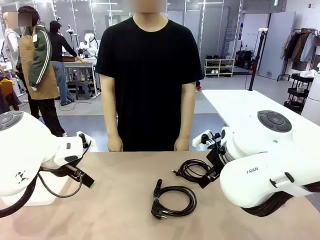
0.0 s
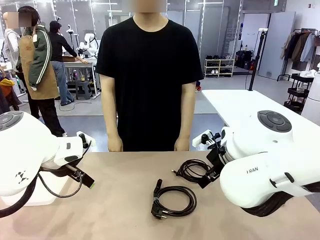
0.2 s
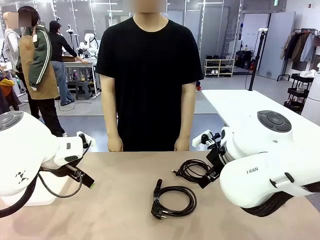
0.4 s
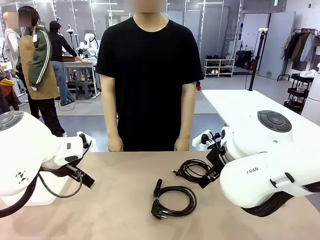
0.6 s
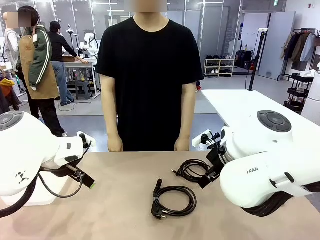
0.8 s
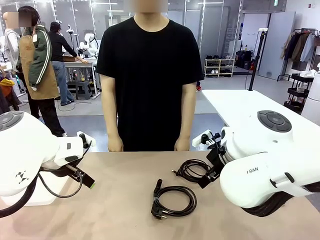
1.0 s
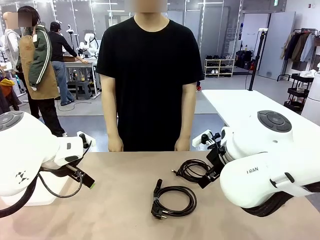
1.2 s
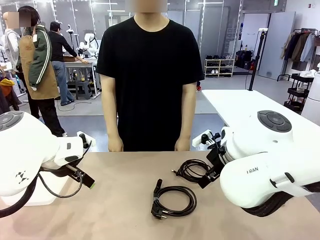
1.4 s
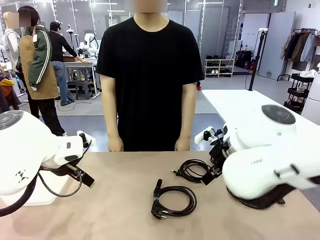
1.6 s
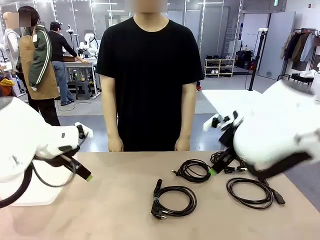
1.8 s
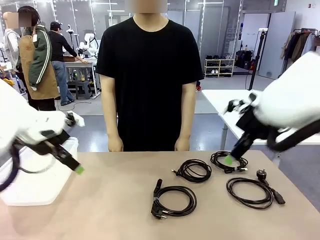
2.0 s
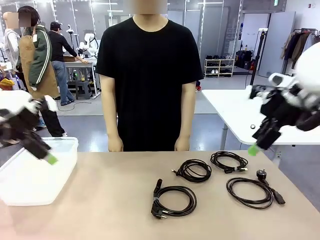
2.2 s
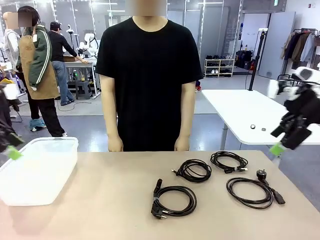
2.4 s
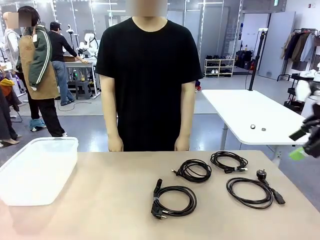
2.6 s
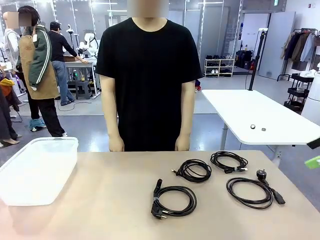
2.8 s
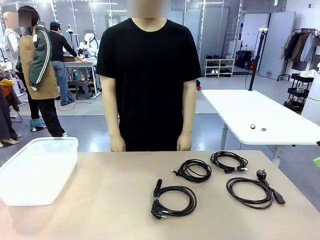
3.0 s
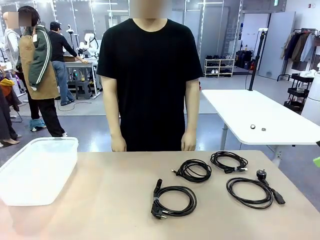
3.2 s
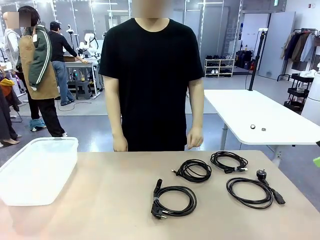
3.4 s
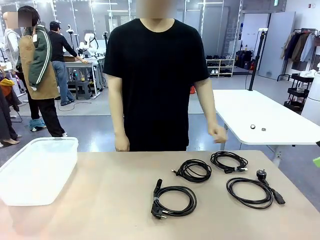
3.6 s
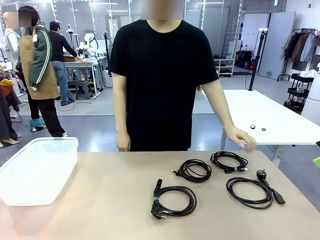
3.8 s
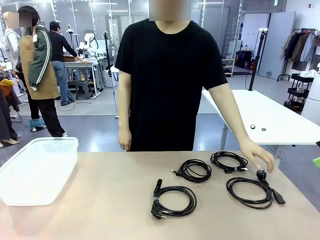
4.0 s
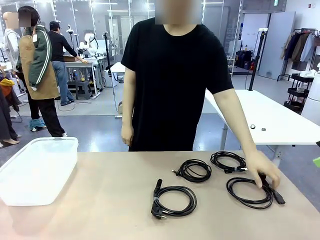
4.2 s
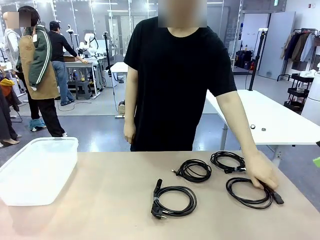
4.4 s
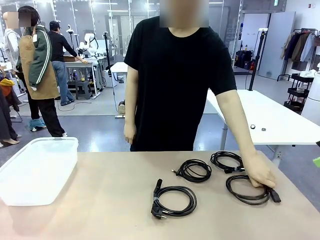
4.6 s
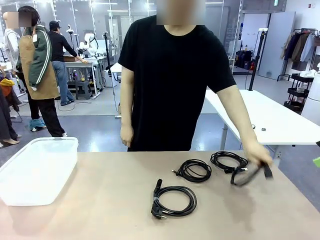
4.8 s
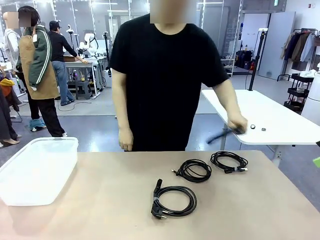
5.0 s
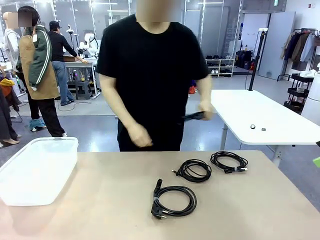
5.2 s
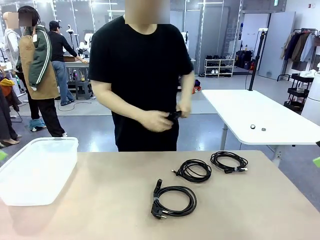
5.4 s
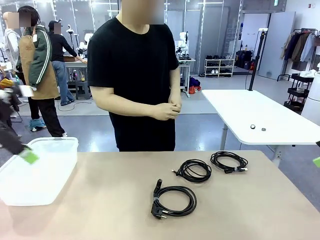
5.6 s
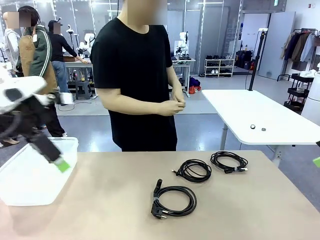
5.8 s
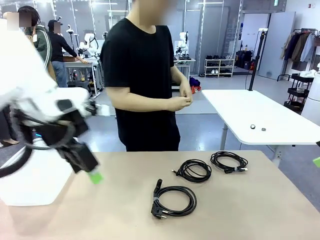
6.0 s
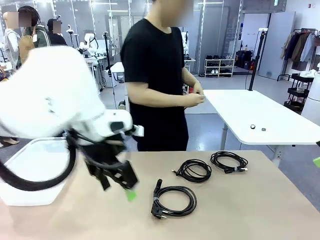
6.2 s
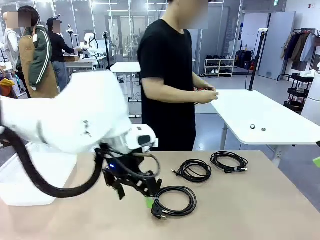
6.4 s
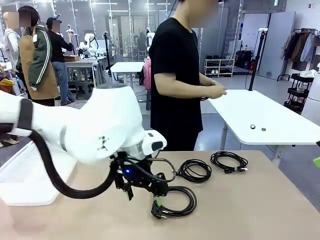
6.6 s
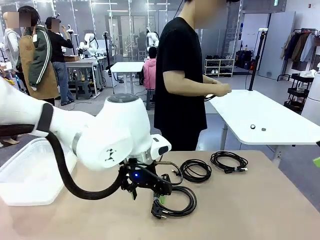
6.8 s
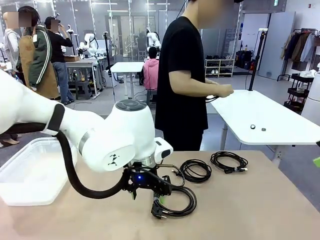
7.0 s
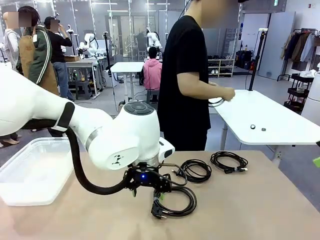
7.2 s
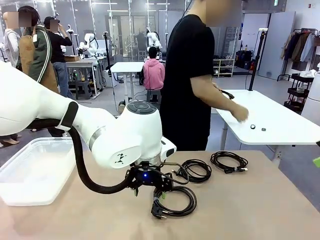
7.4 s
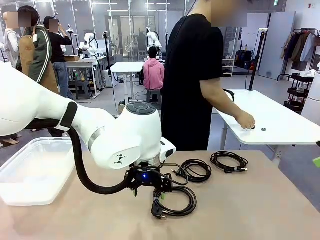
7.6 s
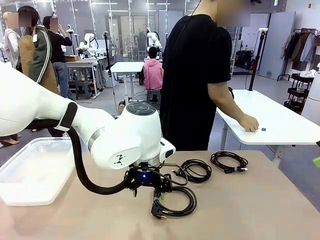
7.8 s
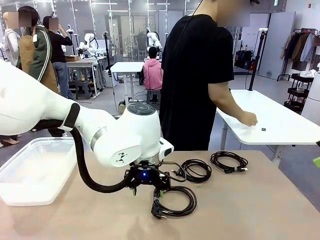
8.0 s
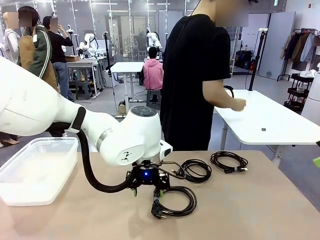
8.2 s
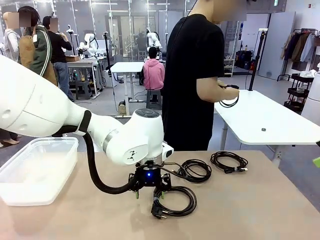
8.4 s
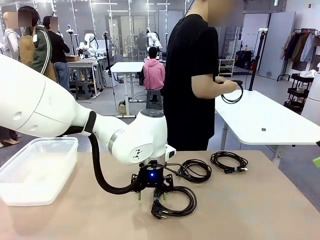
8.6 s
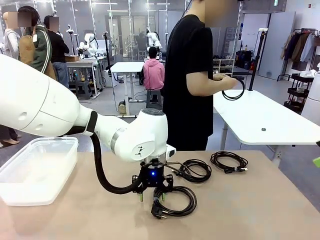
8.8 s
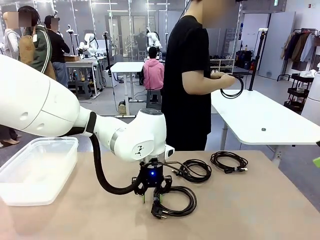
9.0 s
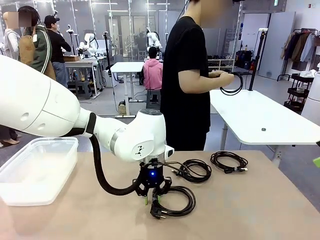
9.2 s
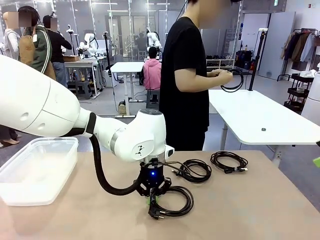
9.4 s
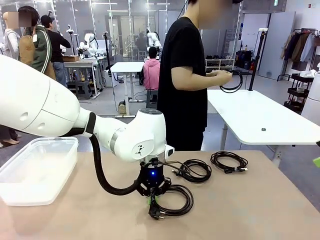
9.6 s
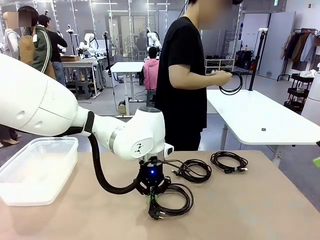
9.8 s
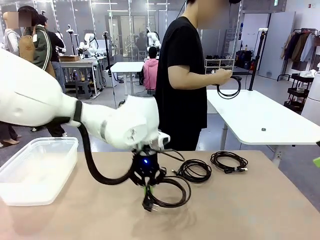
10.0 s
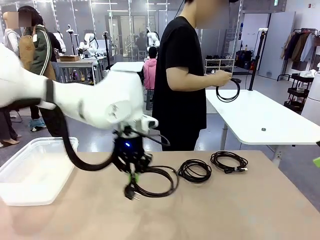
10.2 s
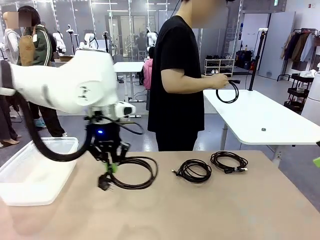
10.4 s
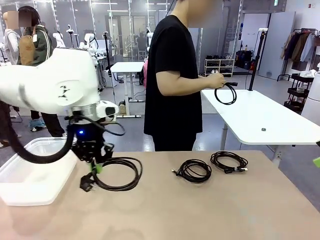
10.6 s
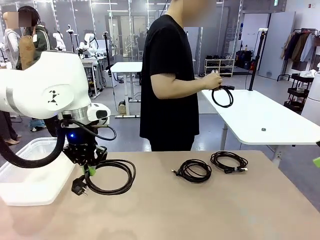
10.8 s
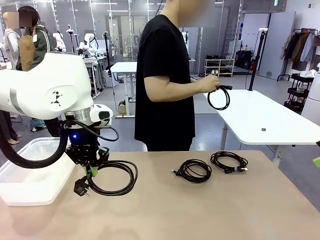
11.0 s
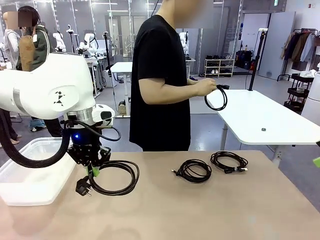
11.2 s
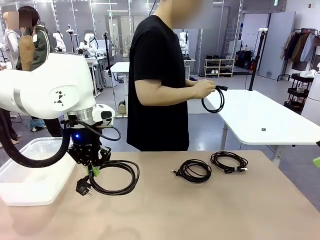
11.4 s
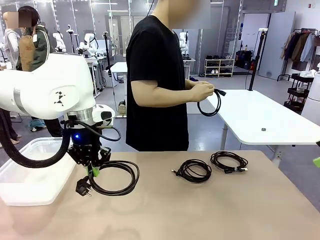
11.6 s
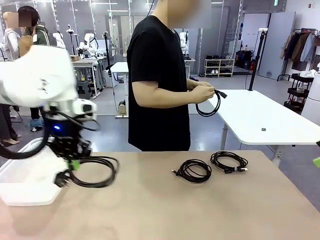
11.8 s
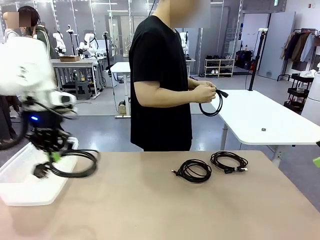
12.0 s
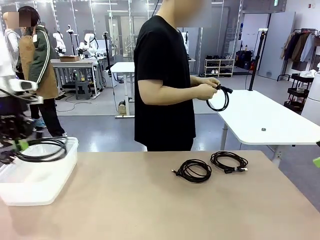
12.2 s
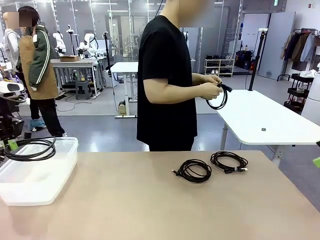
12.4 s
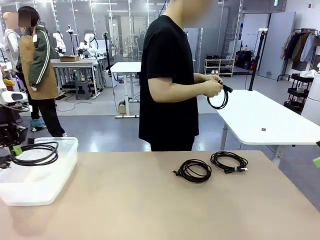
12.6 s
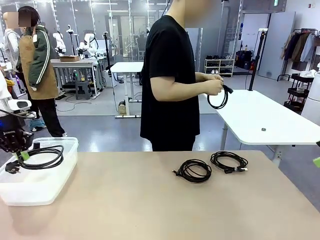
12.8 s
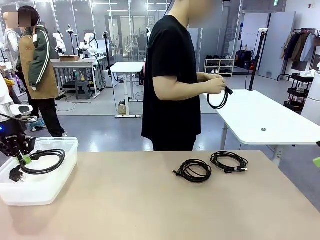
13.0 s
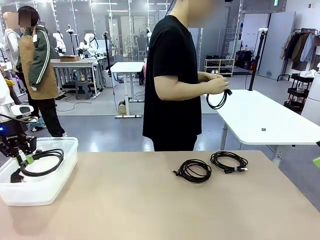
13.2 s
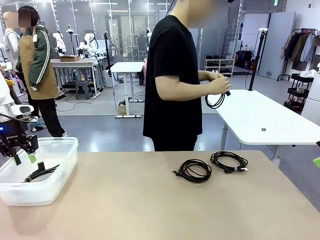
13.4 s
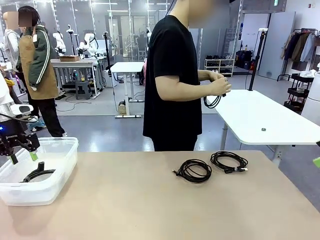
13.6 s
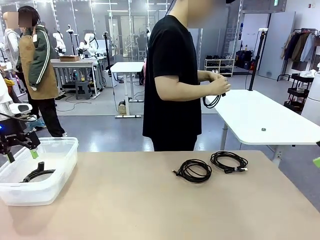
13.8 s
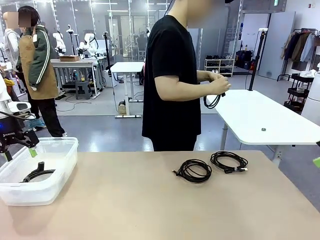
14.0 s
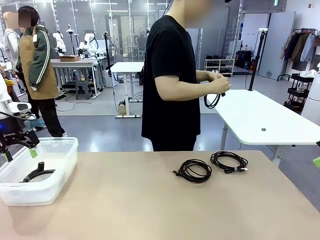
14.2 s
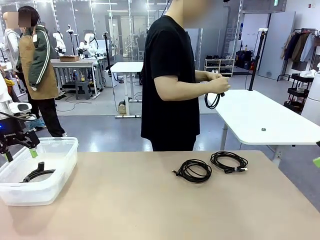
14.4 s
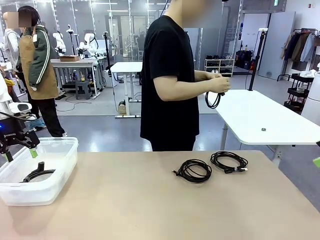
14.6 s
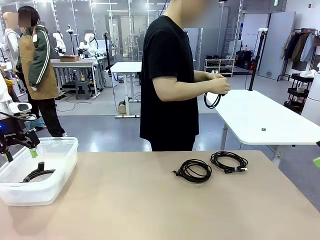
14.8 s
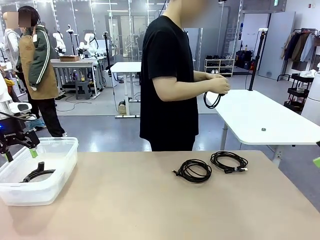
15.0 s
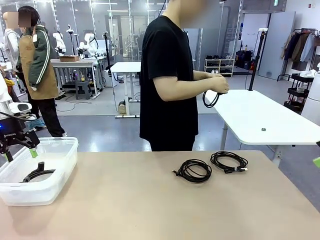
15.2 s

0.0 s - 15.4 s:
Task: Organize and store the cables.
Robot: Place the Power Cable into the Organizing box.
Person: Tie one Power Cable with a Reusable Cable Tie.
